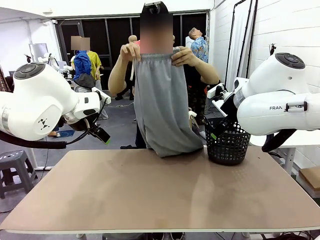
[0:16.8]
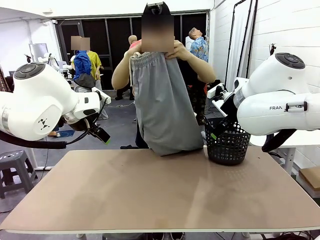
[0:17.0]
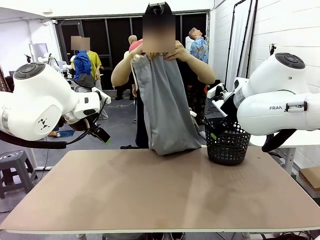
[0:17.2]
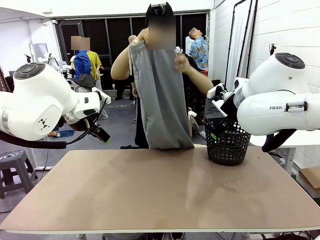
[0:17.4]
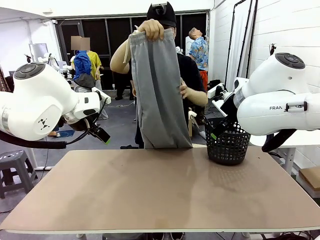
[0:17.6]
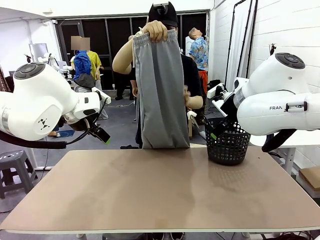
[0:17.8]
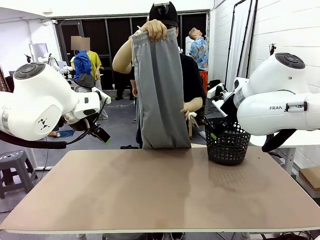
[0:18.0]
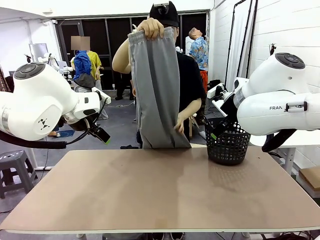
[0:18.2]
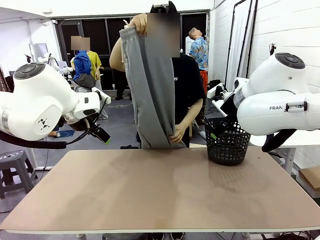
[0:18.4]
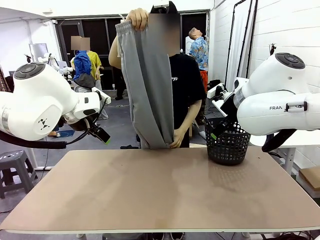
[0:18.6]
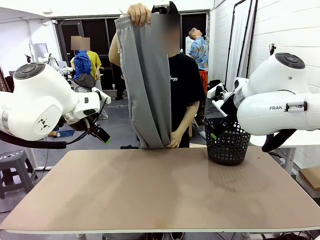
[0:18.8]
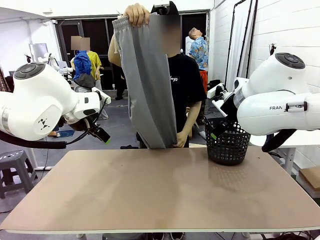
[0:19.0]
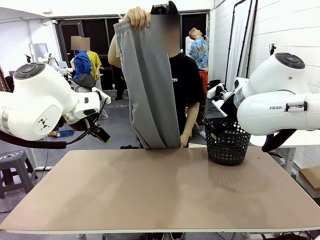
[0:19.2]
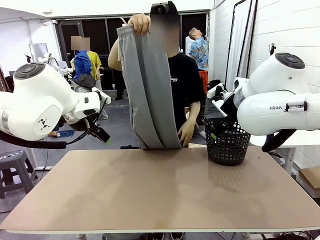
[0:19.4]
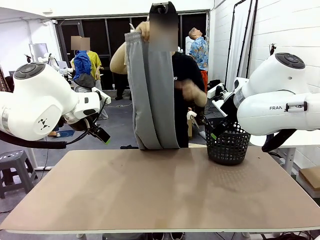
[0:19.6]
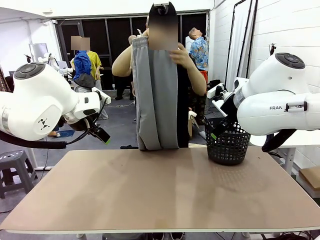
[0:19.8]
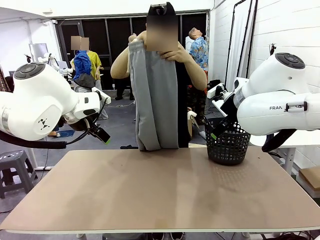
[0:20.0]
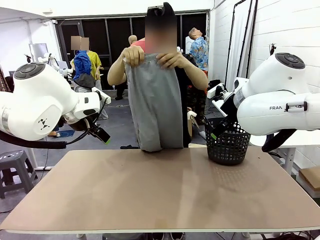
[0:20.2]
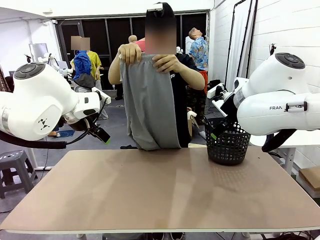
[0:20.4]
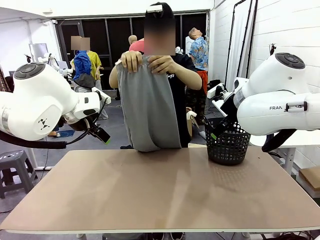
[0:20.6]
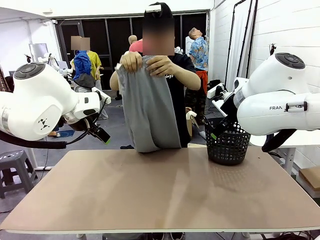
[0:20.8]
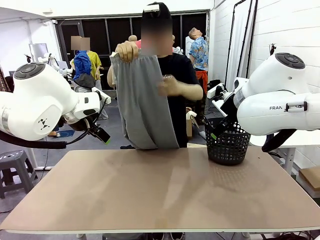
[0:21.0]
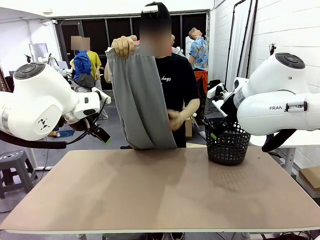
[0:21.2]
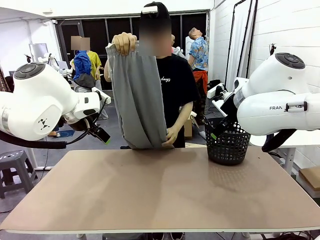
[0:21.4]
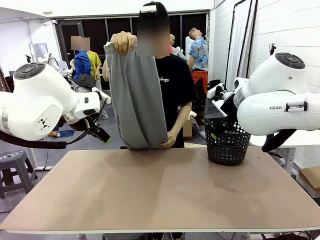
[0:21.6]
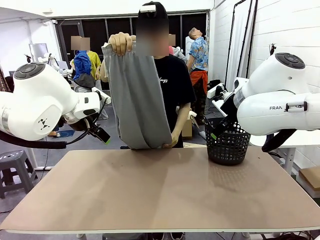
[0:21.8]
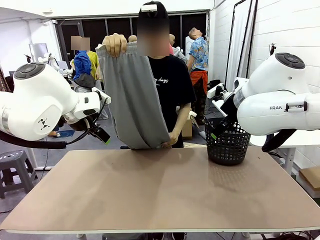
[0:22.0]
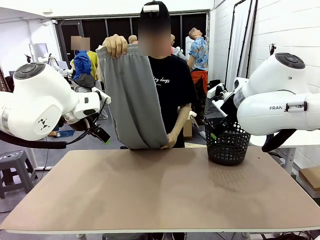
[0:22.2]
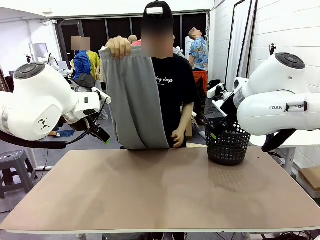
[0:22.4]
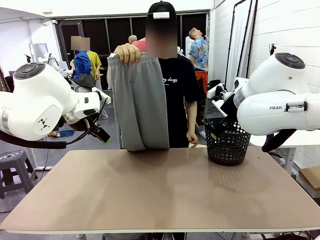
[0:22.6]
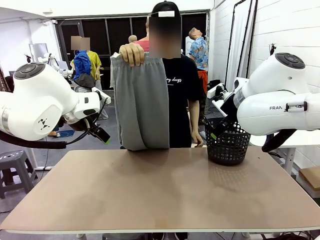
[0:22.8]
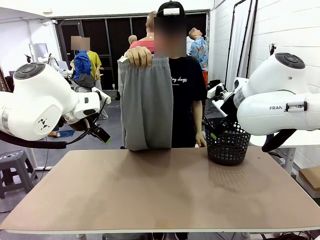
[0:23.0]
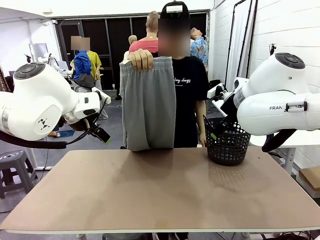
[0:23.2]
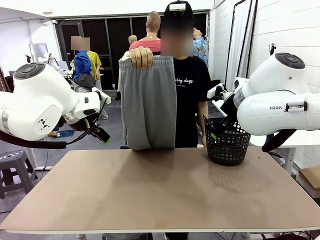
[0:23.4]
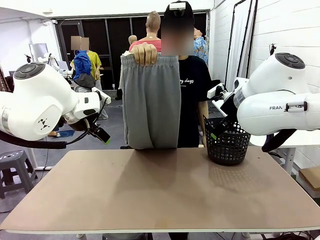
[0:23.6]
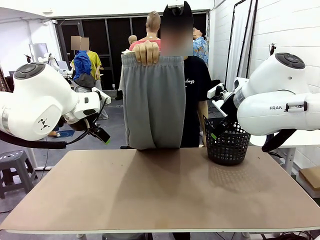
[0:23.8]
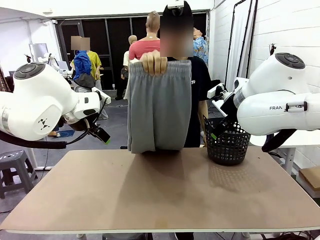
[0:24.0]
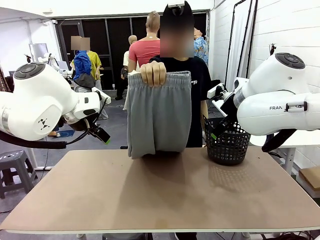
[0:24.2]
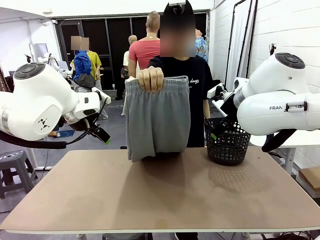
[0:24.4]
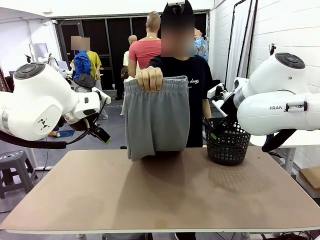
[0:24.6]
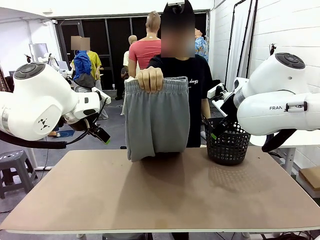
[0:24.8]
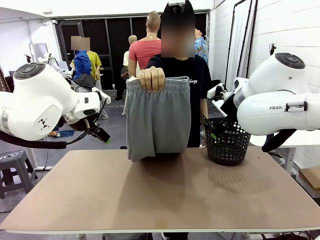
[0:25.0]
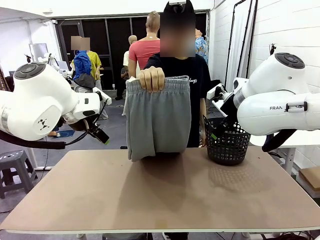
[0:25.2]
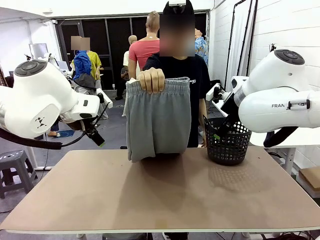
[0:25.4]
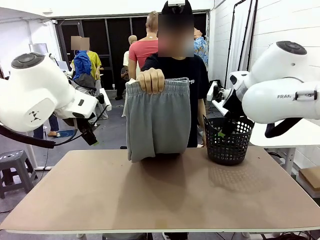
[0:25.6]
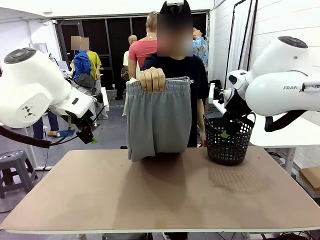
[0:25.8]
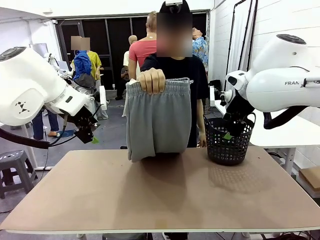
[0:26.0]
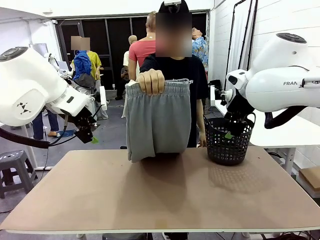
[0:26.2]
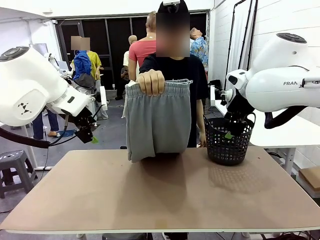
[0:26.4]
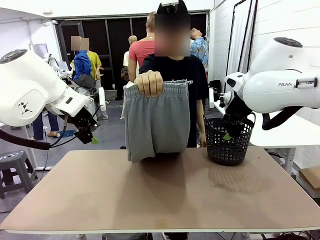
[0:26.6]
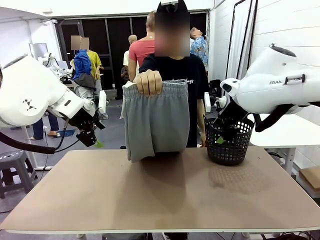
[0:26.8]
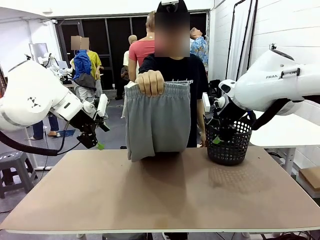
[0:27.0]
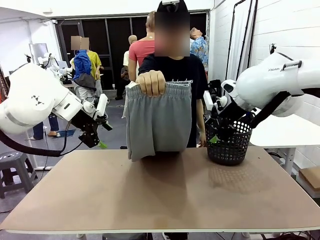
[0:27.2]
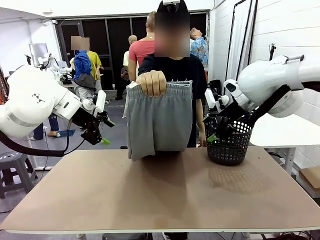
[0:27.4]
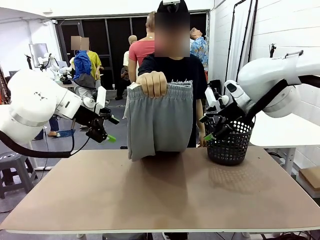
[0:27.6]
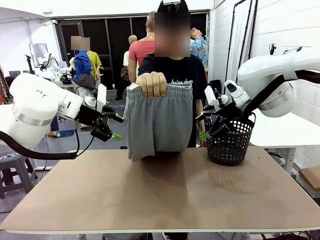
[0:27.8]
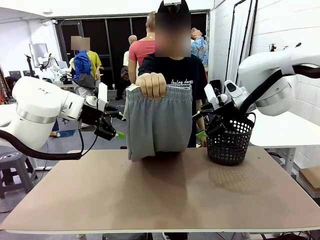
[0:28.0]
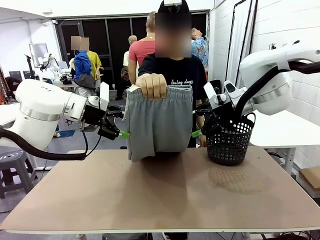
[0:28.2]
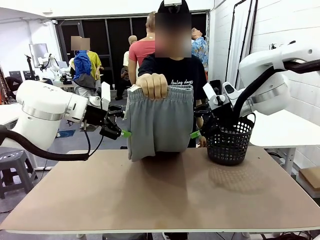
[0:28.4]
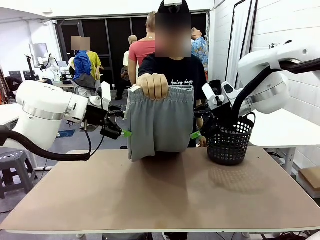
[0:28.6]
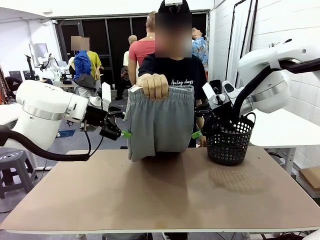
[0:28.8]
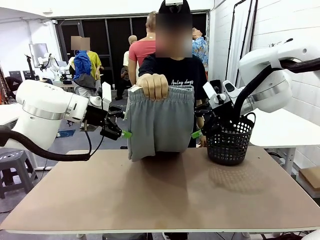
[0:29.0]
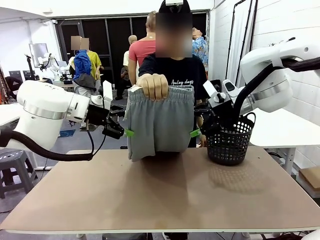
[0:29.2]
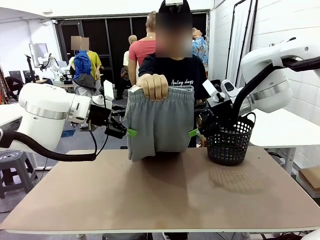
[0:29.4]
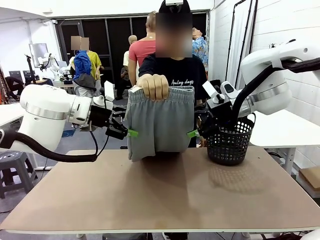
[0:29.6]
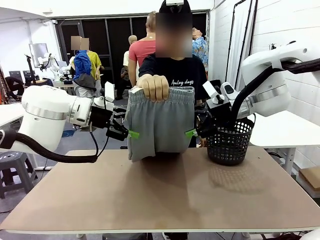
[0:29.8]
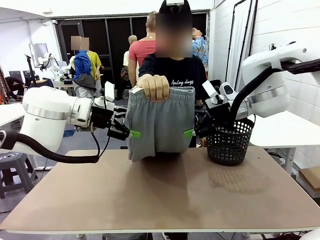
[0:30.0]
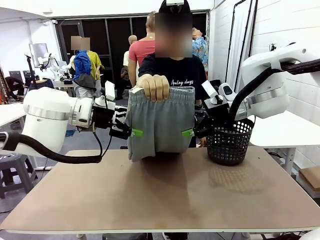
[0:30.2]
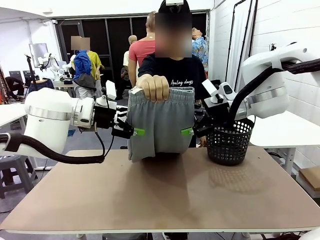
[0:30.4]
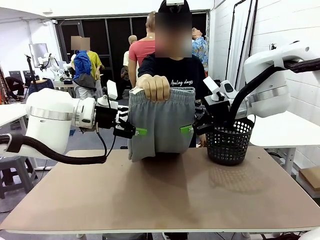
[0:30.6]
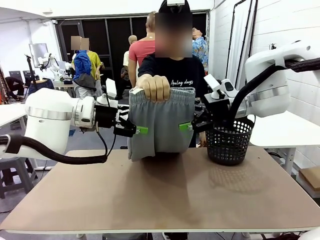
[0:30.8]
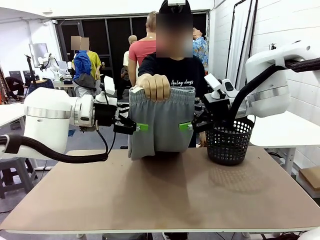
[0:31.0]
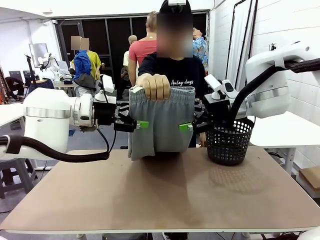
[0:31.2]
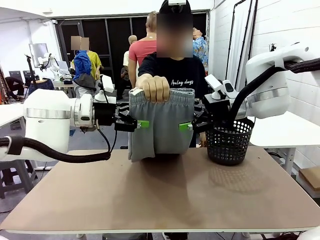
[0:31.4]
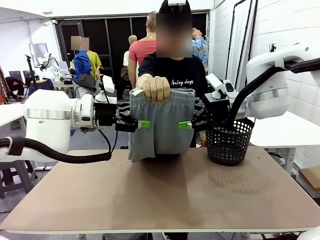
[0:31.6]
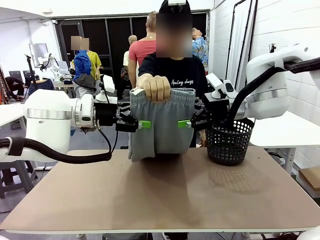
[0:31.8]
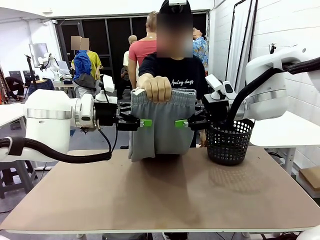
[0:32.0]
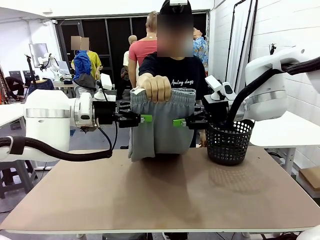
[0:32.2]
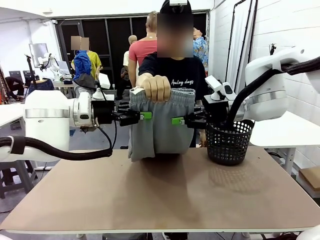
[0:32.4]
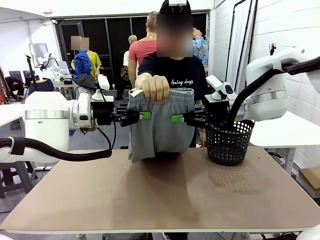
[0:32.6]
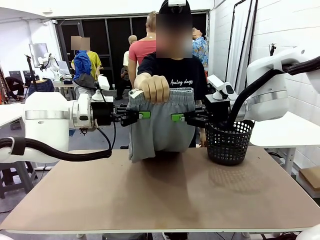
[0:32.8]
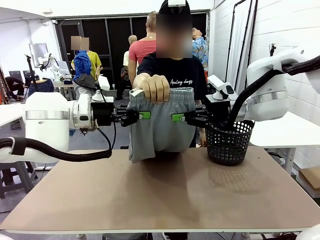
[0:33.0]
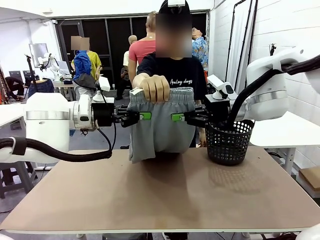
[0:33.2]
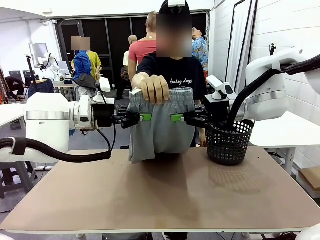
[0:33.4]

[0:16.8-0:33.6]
Task: Fold the training pants.
Robot: Grab both ends of the Training pants handed by a person.

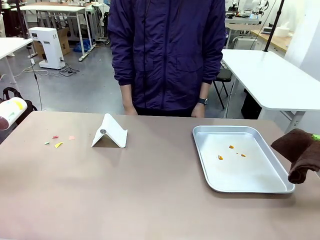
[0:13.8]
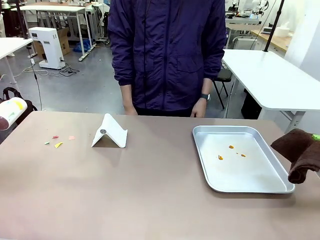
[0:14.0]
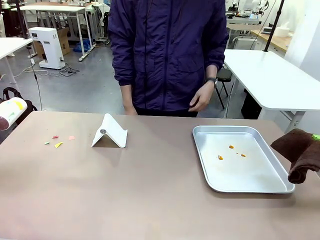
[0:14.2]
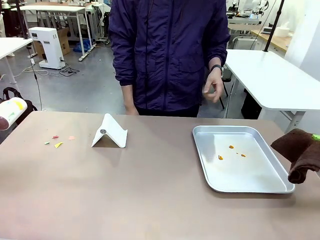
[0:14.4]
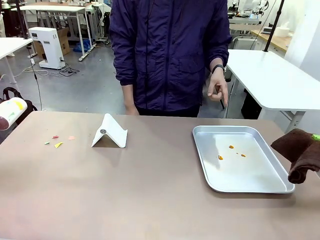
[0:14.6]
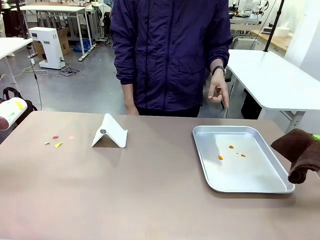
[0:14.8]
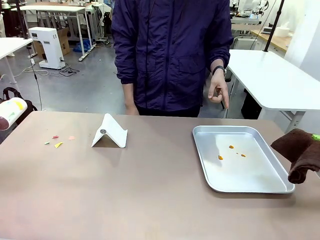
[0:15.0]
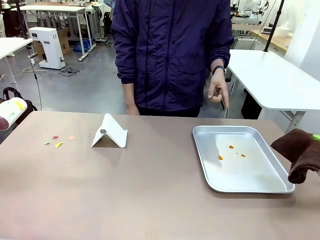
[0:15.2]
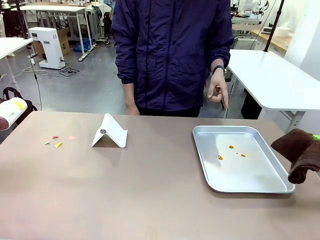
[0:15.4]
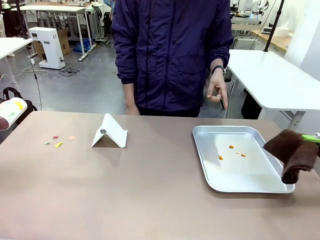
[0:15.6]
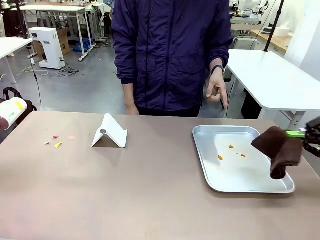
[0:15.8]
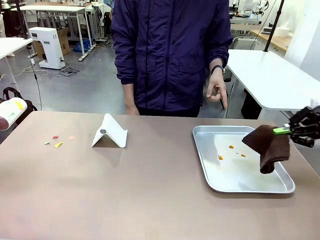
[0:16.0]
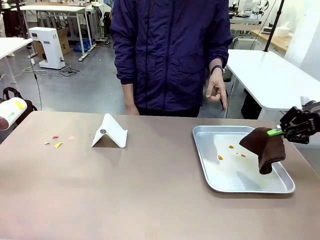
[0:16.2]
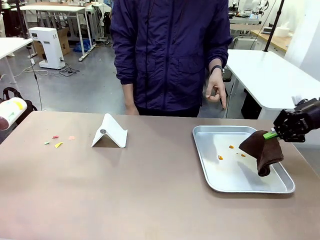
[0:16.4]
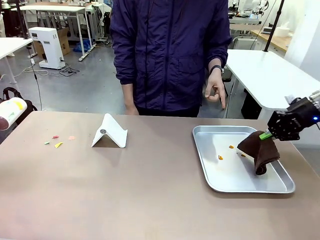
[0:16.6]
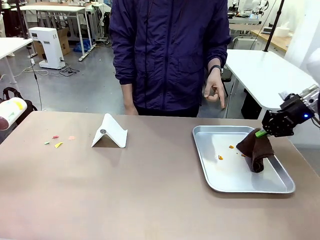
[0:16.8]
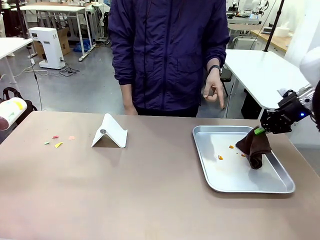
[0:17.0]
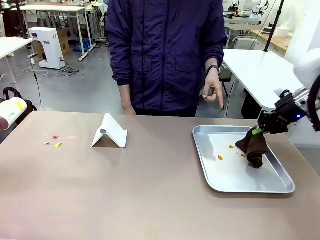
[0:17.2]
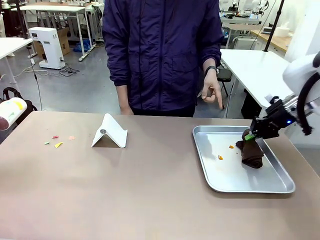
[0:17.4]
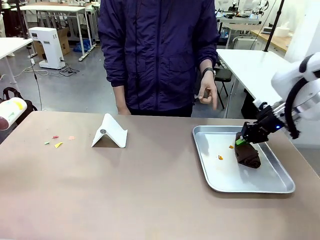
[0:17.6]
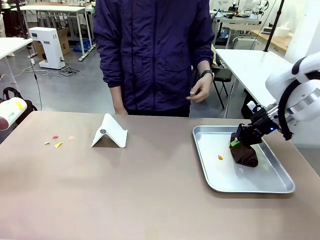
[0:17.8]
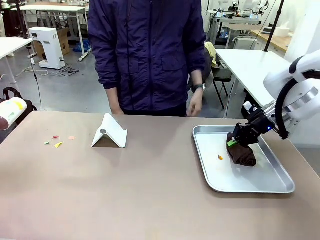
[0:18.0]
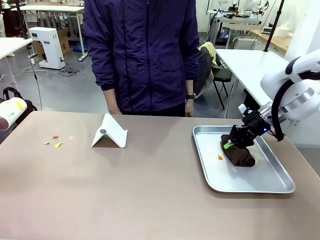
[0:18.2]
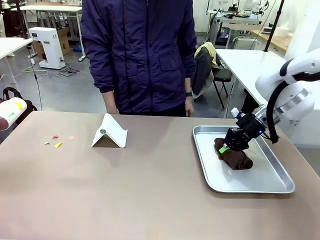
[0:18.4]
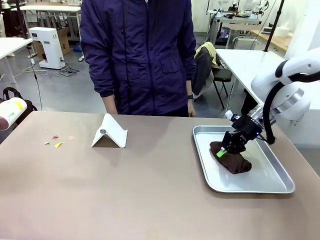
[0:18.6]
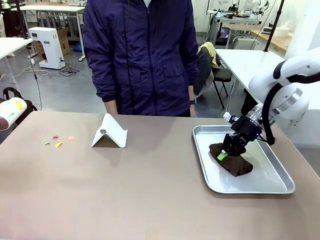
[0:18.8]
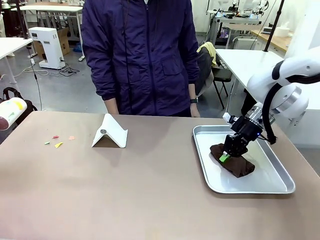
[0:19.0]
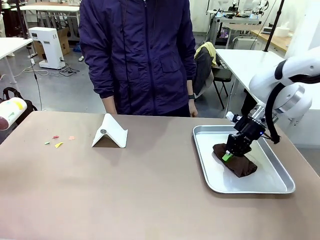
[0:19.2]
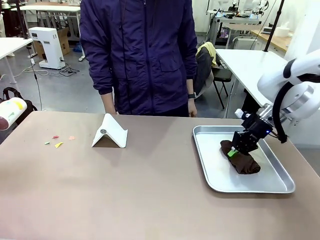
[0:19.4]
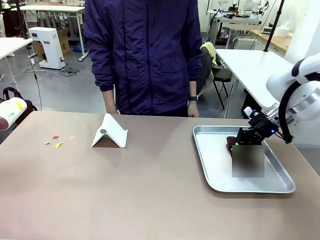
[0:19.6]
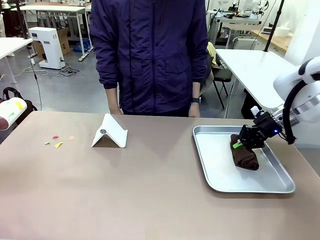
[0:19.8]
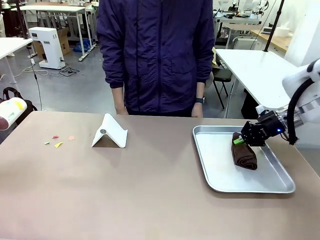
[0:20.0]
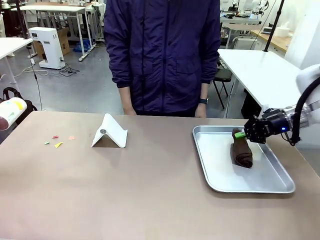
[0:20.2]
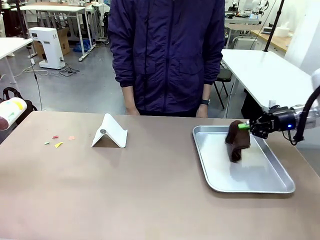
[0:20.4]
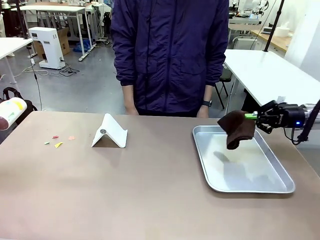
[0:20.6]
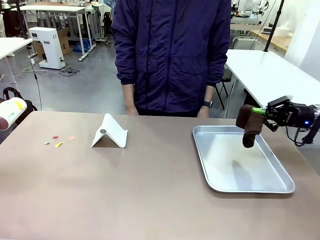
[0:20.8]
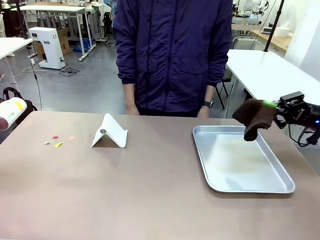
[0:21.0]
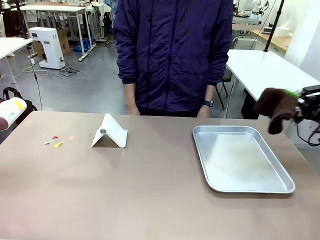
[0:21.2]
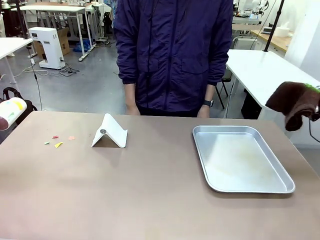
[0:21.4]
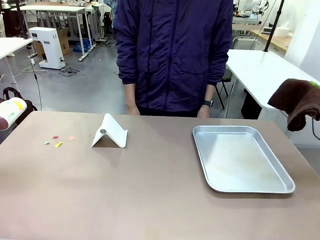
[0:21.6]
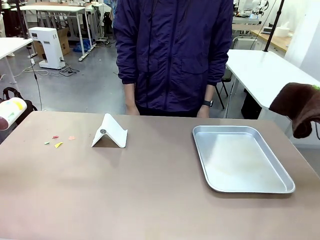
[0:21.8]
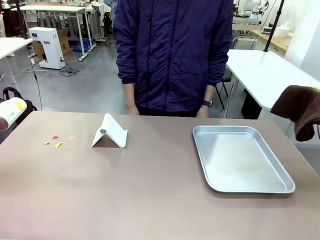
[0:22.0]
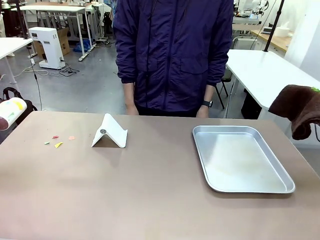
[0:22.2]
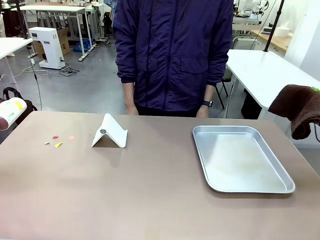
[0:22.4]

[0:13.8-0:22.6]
Task: Clean the surface of the table.
Robot: If a person points to the right, clean the right side of the table with your right hand, and if they point to the left, clean the left side with your left hand.
